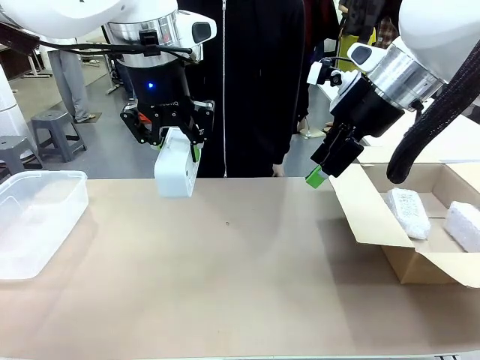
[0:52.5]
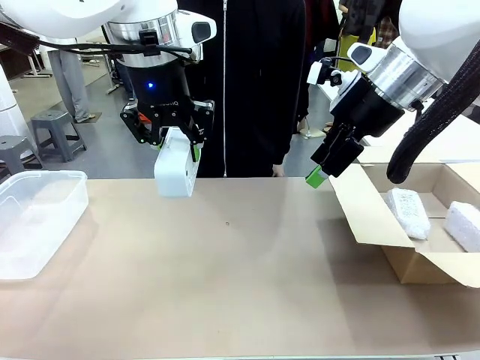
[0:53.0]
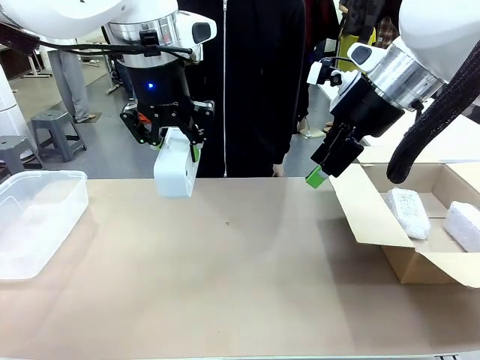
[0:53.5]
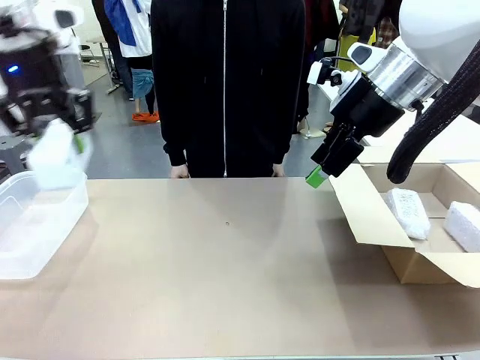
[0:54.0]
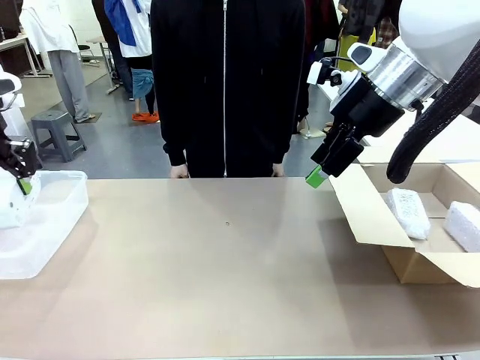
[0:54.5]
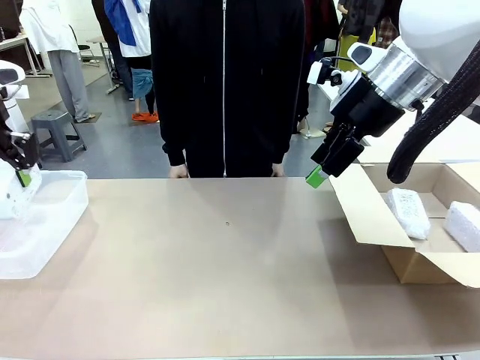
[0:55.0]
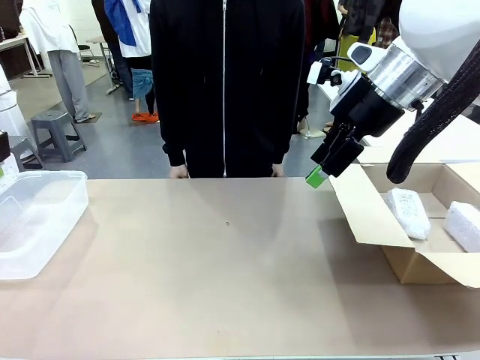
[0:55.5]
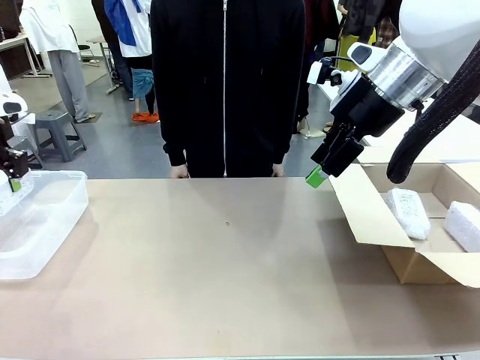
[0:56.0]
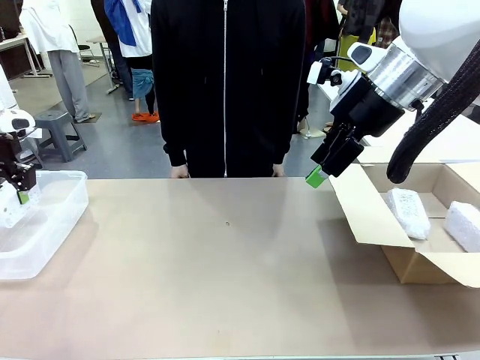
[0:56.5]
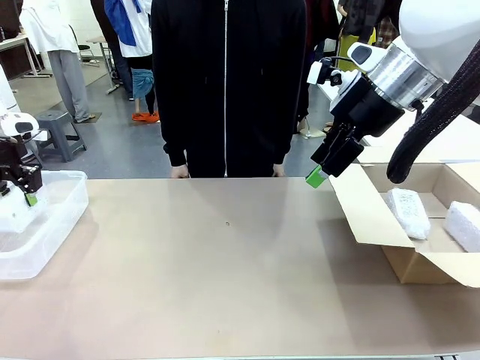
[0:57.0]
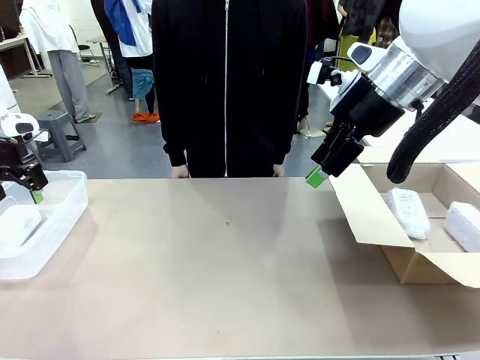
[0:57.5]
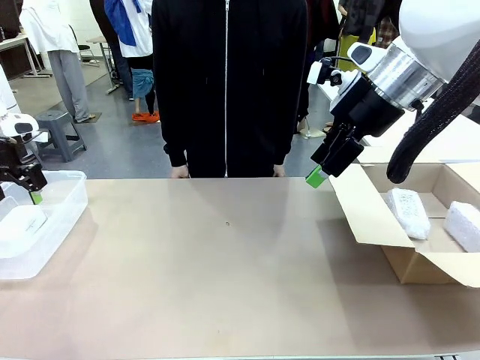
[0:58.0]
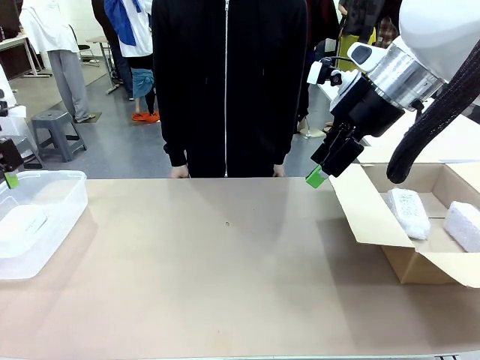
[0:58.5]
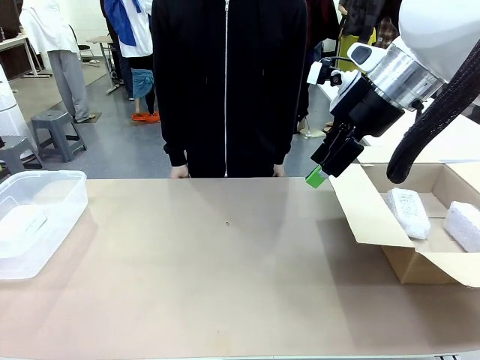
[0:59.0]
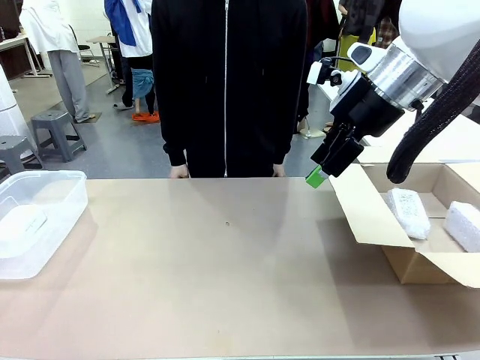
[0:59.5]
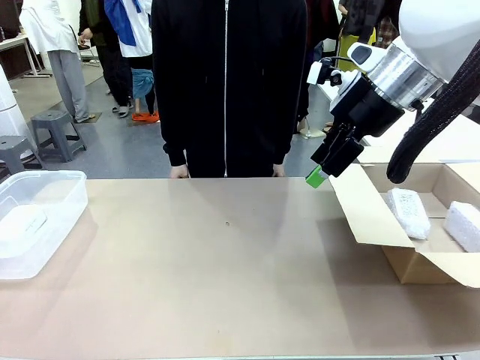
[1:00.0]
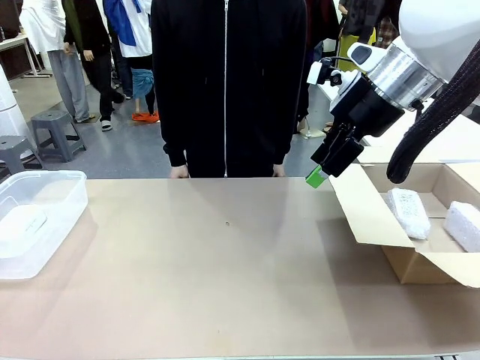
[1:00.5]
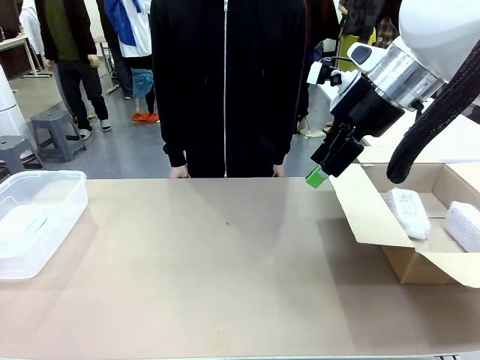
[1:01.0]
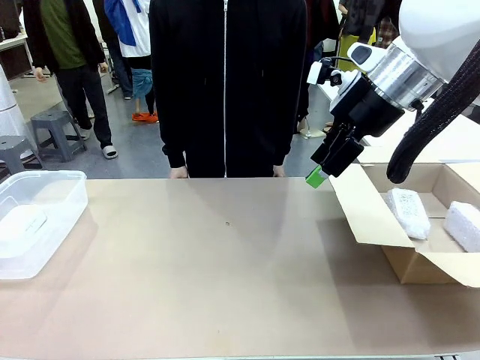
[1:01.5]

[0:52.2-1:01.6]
Task: Separate and place wrapped and unwrapped clocks.
Robot: If the picked Digital clock is wrapped, place it in the Package Box ; if not, place it in the Organizing box.

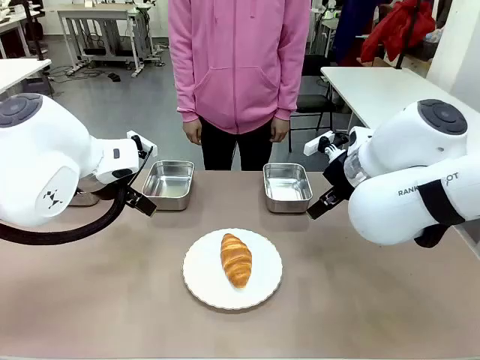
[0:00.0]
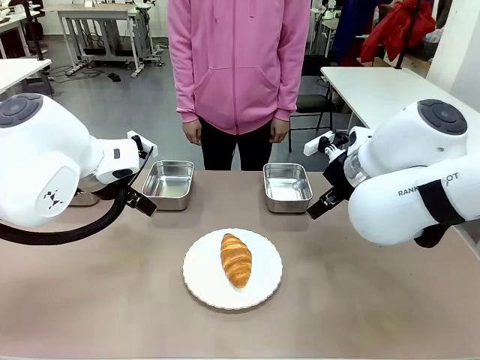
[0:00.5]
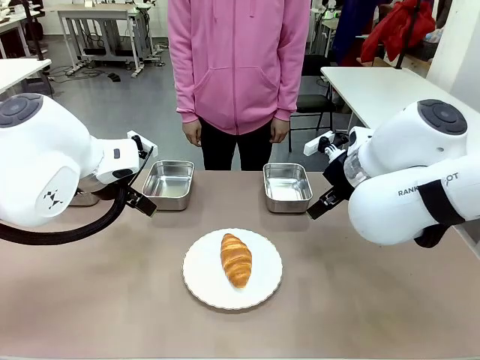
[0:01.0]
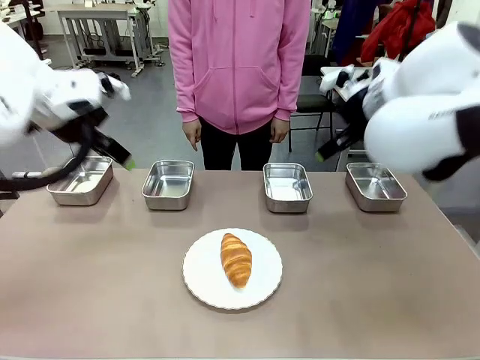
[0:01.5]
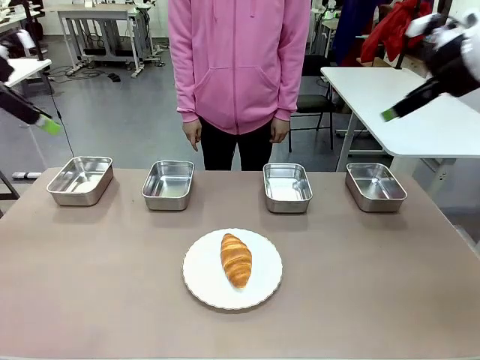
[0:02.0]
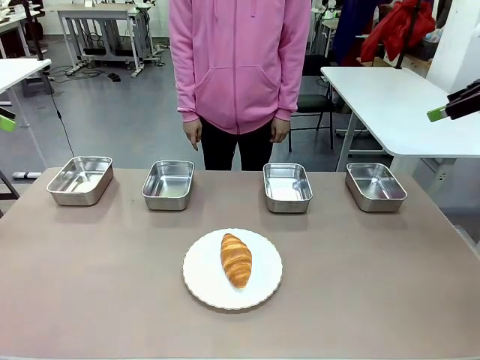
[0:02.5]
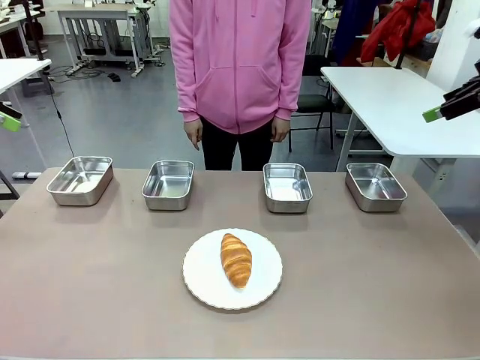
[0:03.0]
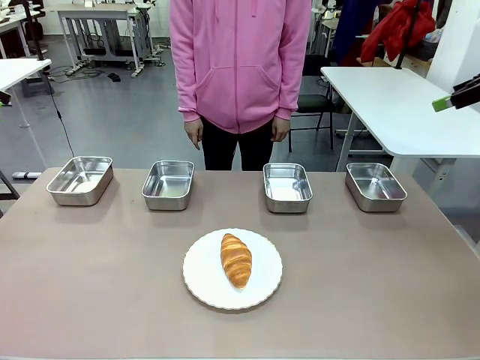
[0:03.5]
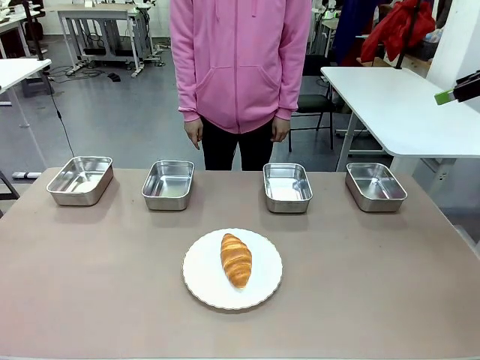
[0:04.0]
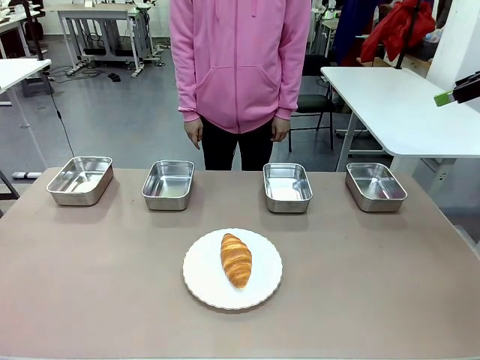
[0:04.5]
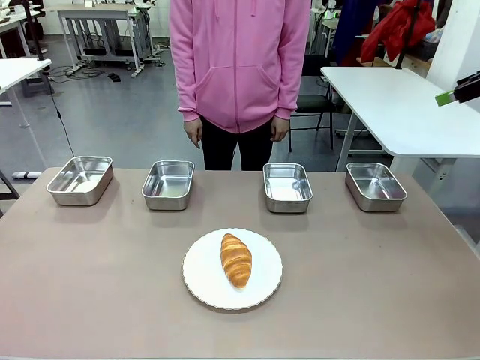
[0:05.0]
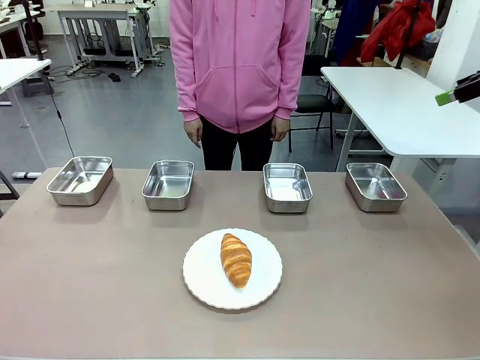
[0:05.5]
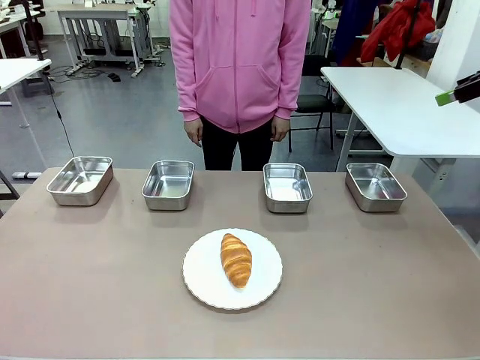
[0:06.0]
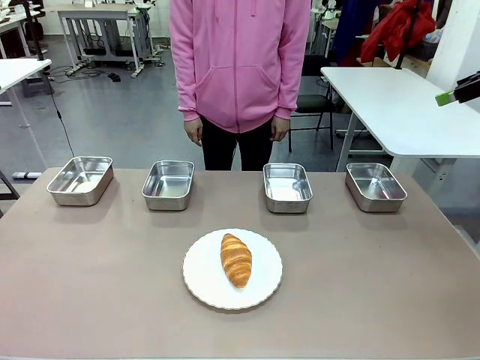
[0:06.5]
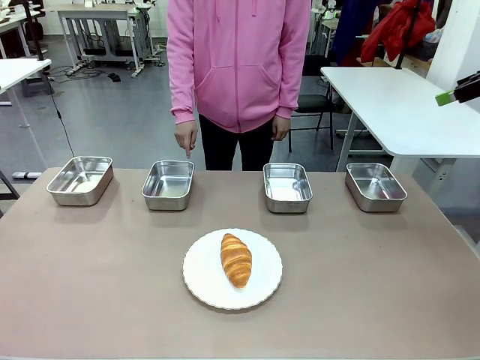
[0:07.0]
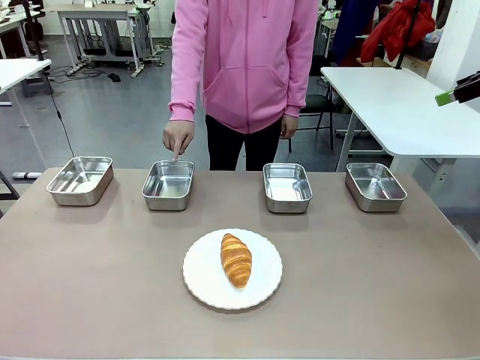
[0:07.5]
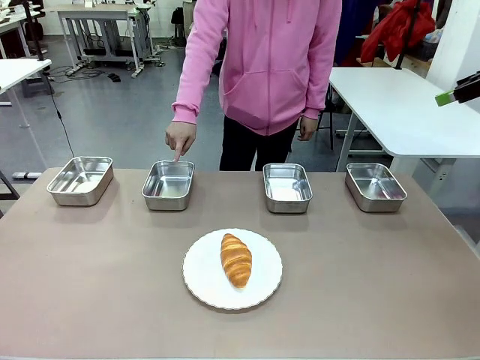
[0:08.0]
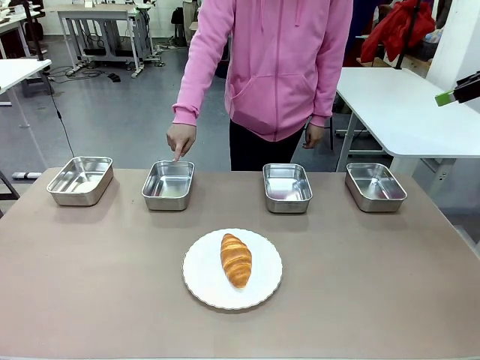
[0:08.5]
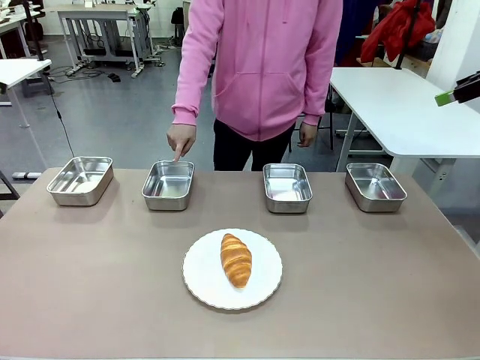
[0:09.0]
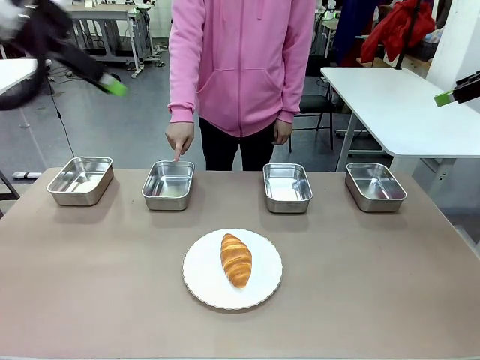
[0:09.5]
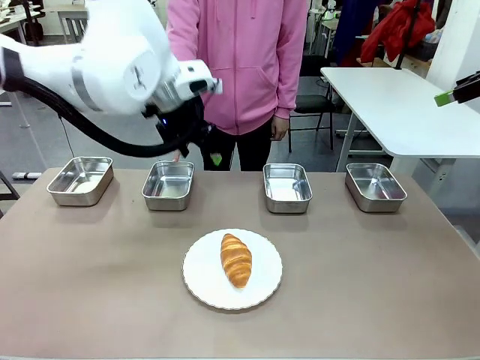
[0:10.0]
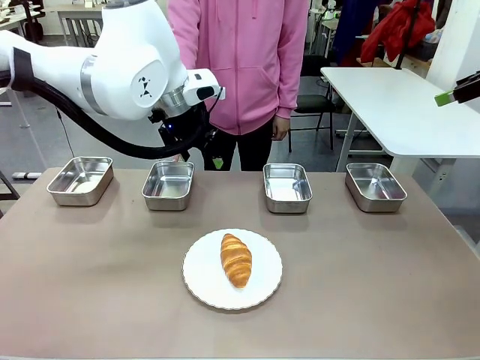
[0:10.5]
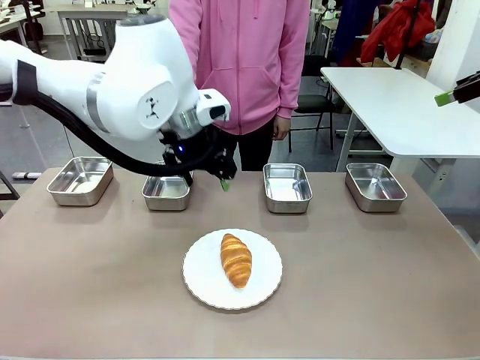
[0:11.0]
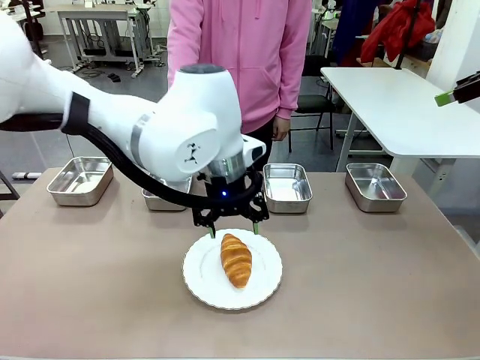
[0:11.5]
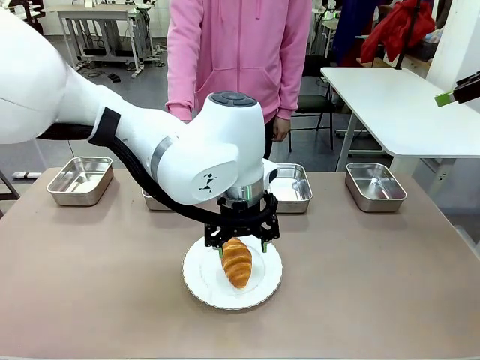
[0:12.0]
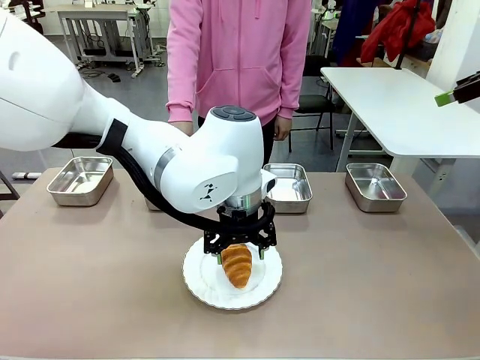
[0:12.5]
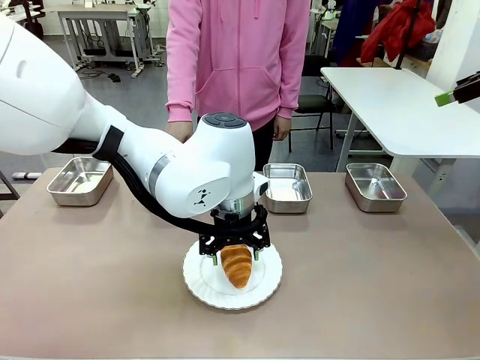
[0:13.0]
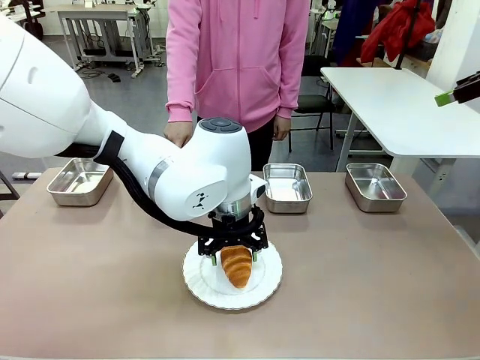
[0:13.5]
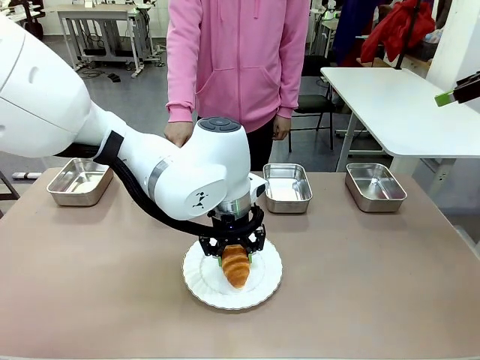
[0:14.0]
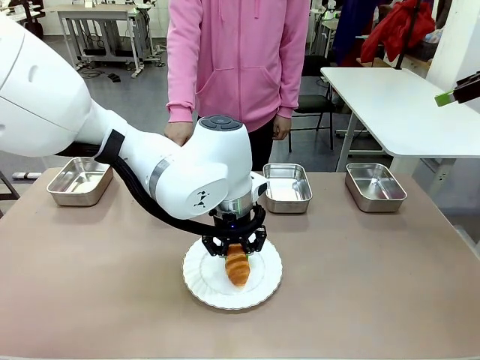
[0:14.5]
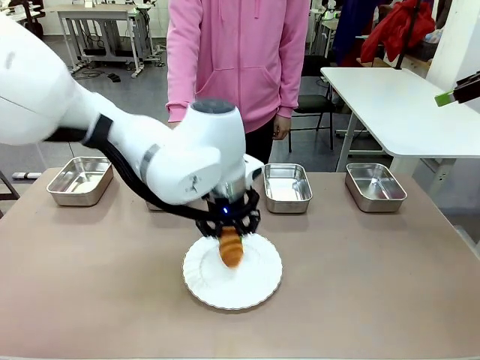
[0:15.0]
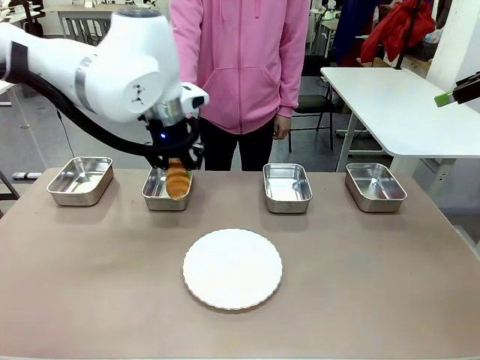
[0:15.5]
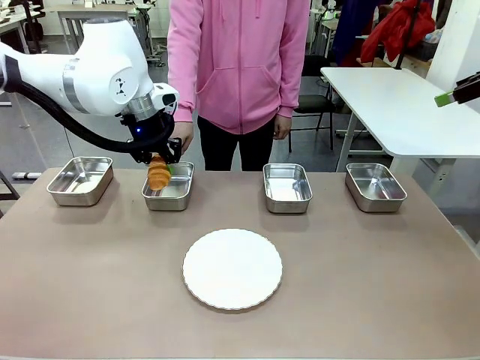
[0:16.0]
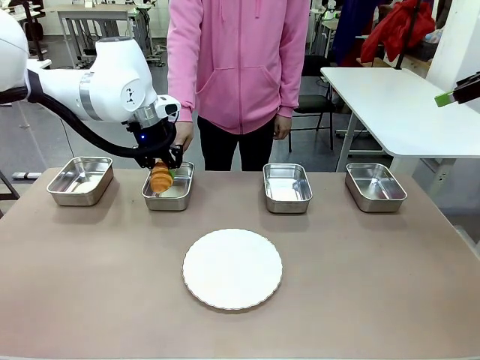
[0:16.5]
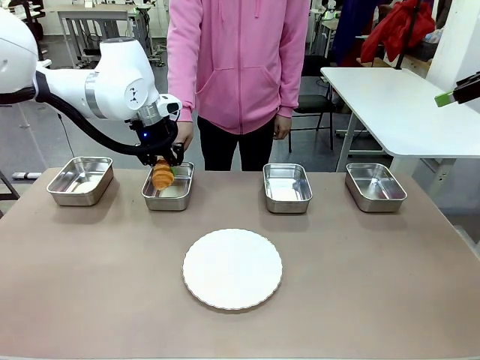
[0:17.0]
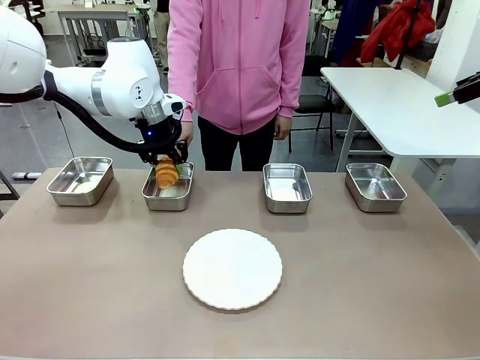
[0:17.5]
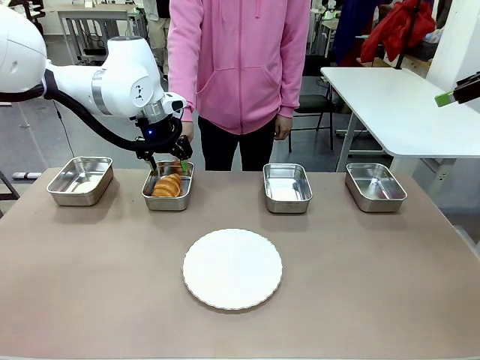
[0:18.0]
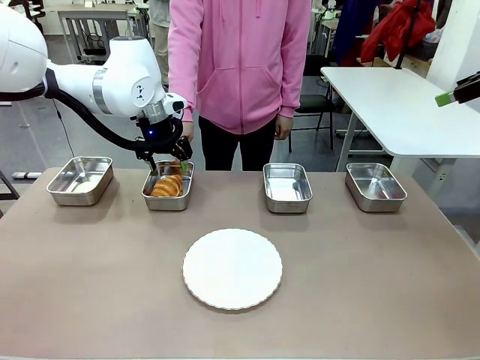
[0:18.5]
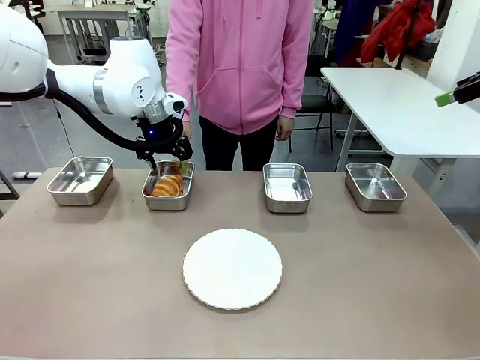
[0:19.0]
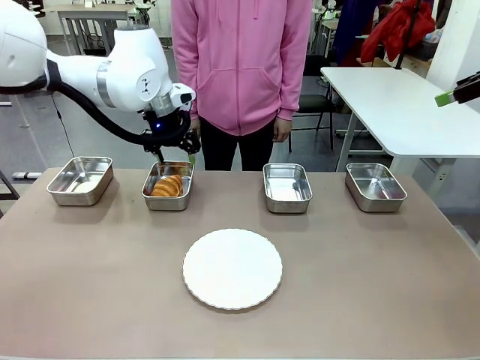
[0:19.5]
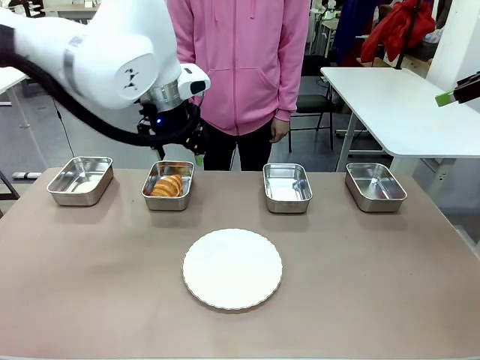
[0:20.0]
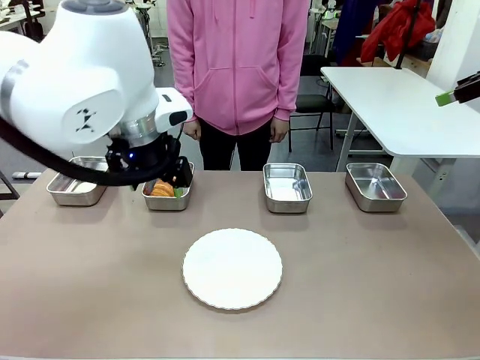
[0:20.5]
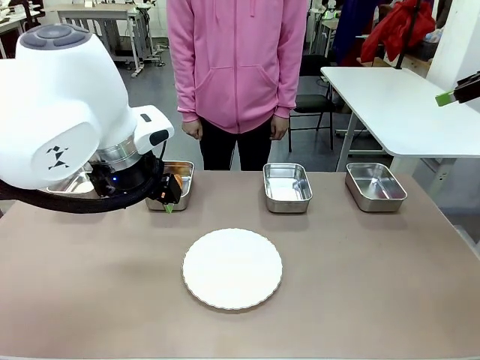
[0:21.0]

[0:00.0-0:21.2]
Task: Place the bread in the container.
Robot: Place the Butter Roll into the Airtight Container indicated by the human.
Person: A person randomly selects and points to an Airtight Container.
